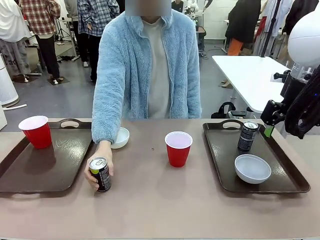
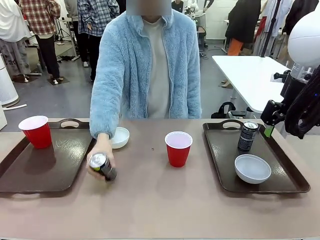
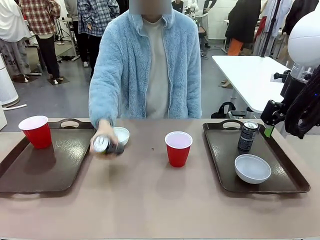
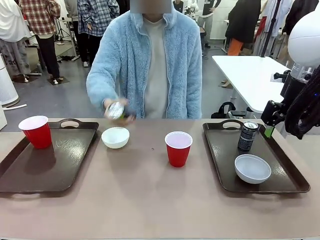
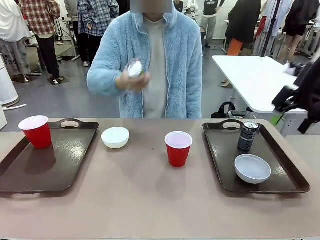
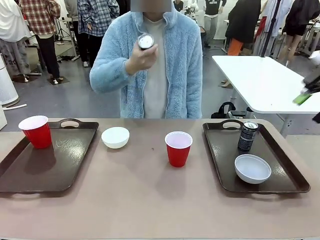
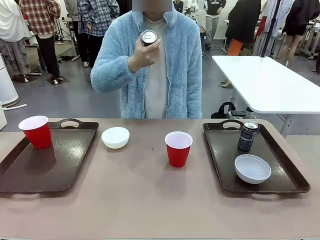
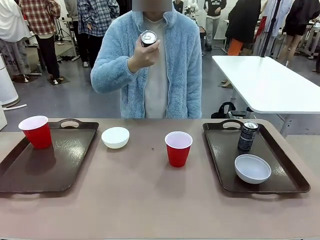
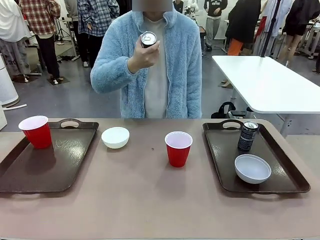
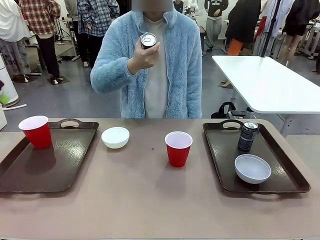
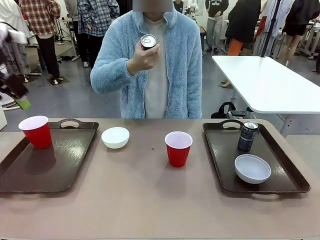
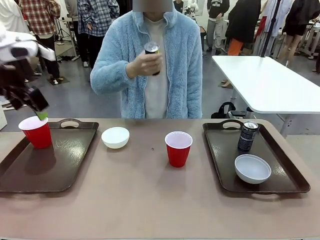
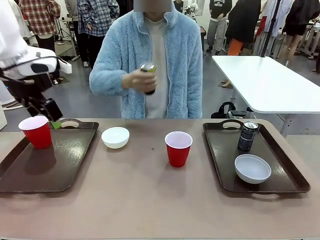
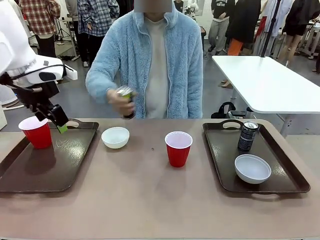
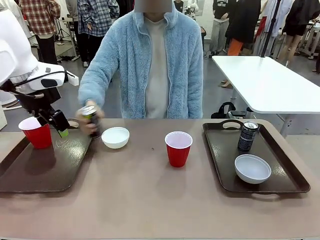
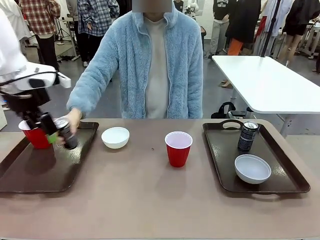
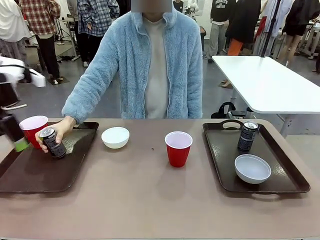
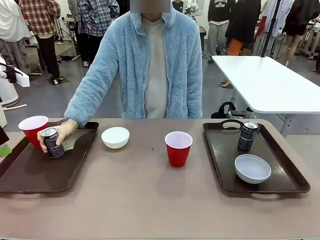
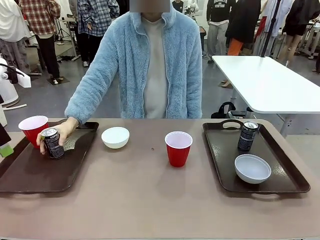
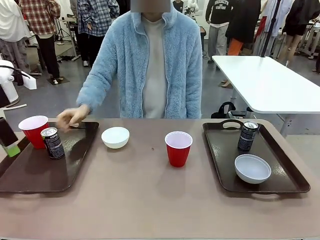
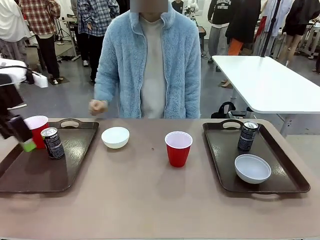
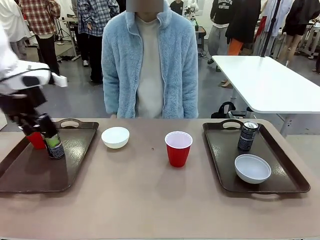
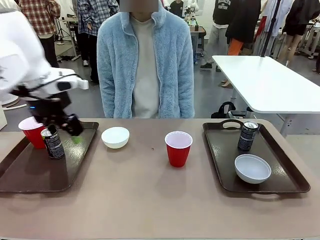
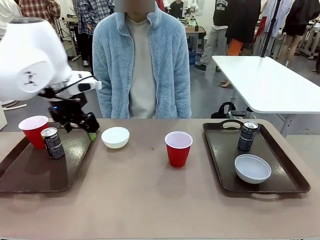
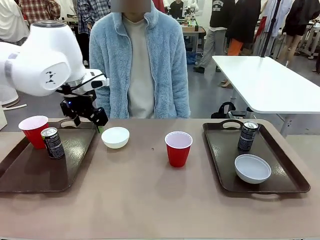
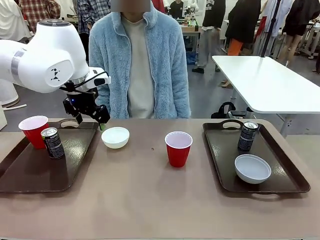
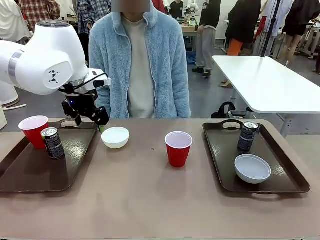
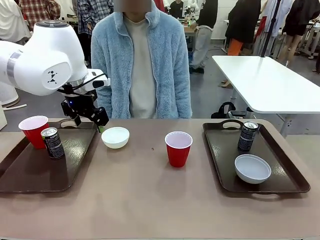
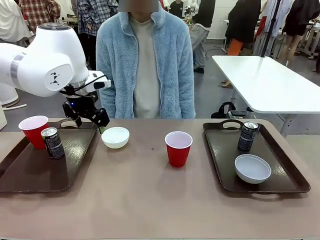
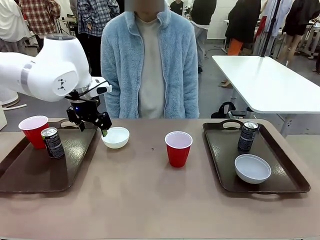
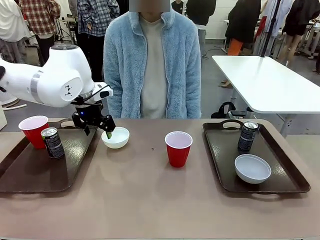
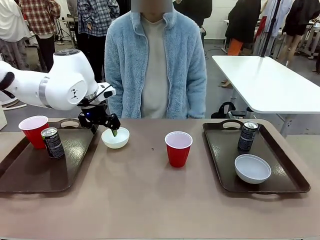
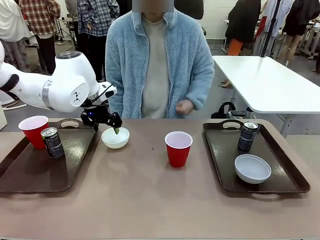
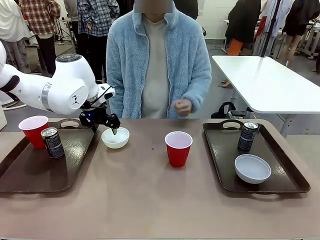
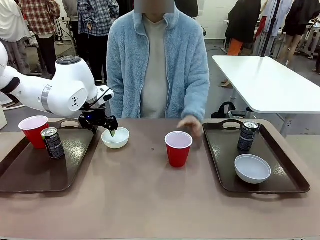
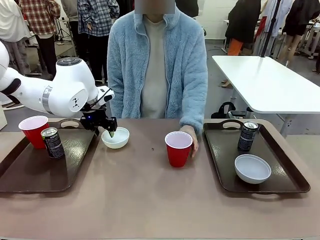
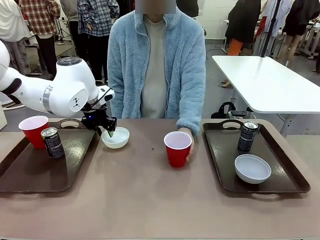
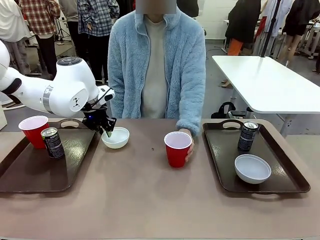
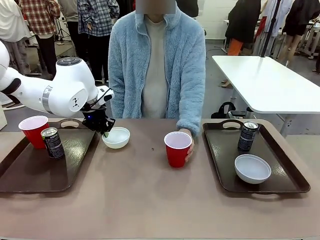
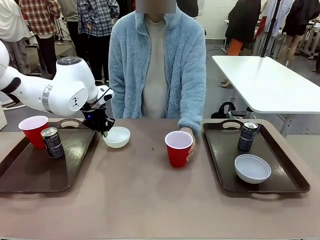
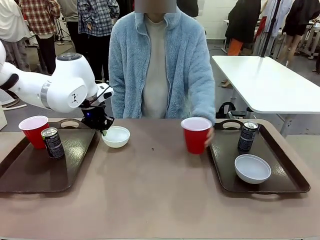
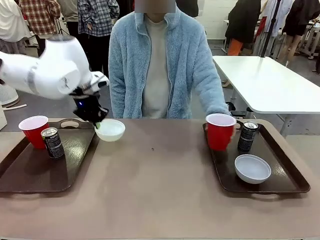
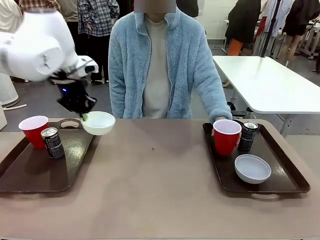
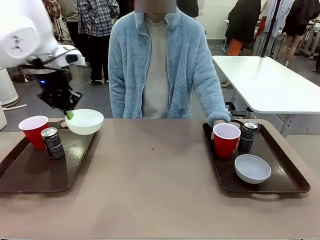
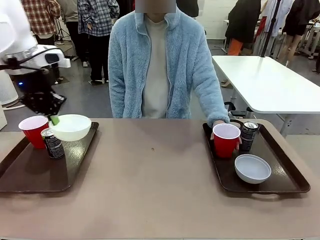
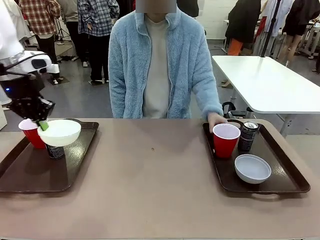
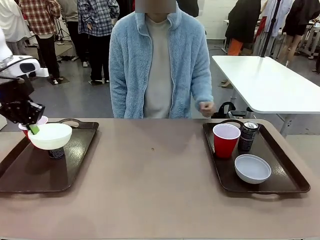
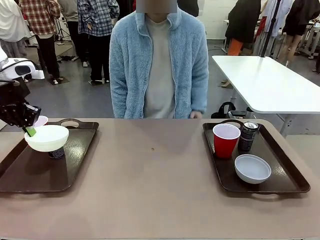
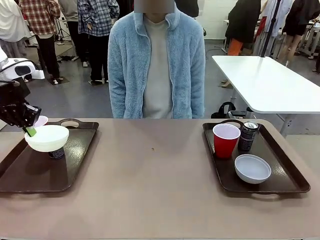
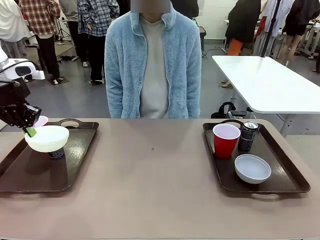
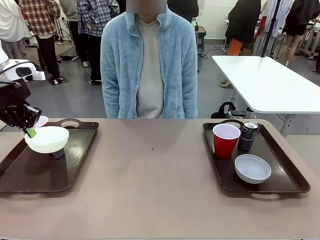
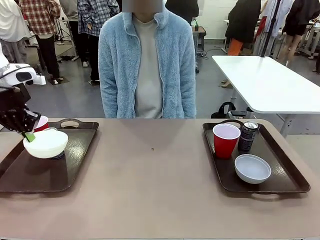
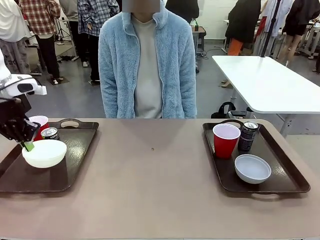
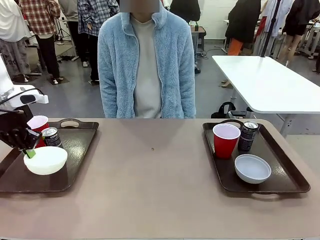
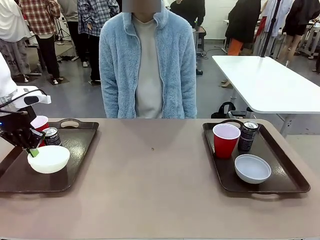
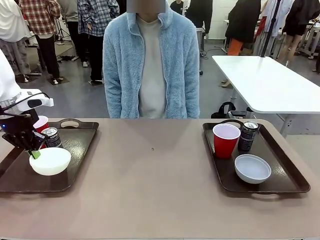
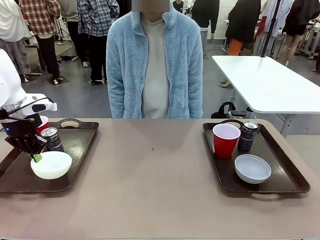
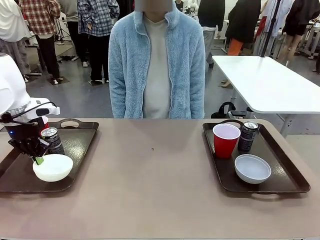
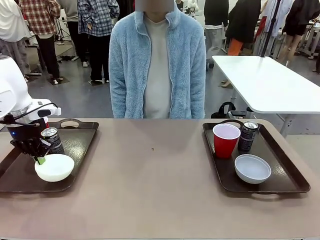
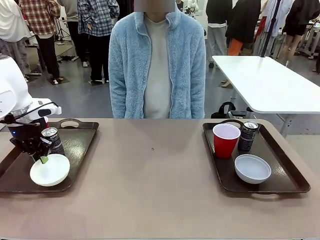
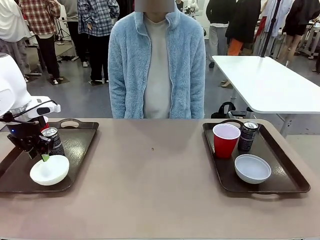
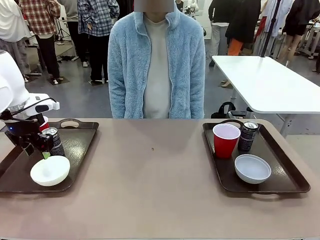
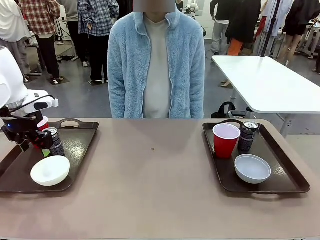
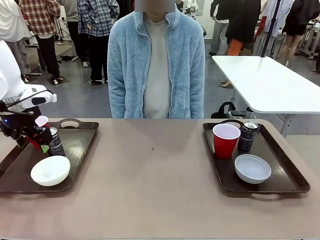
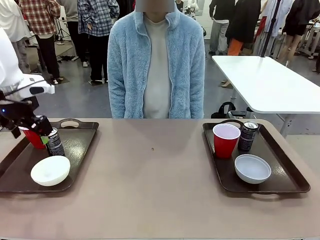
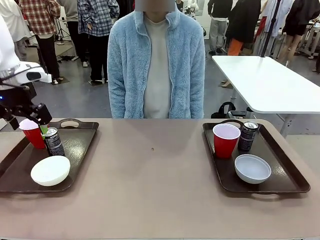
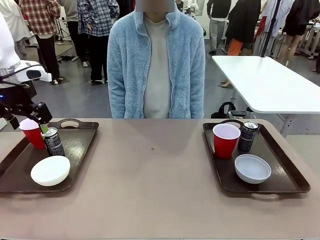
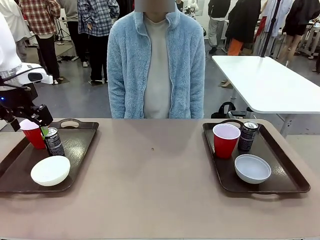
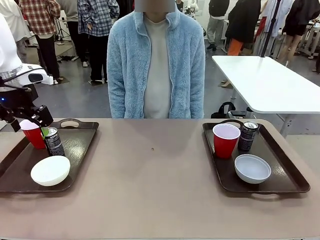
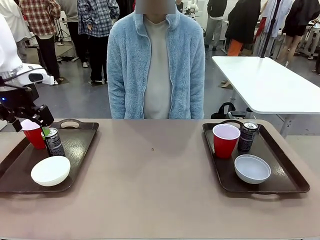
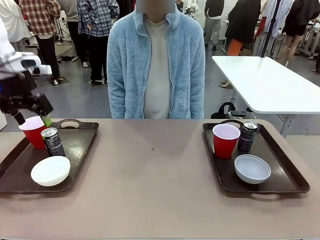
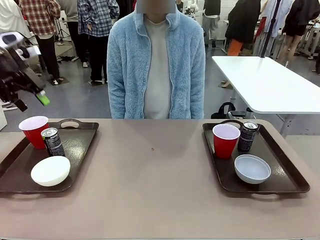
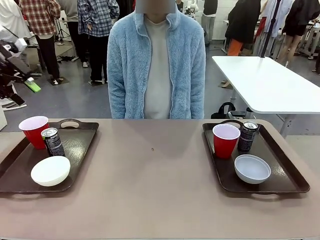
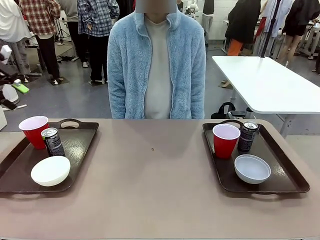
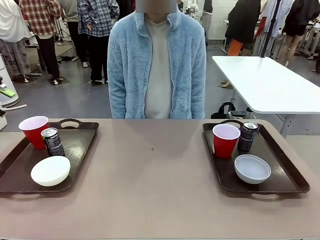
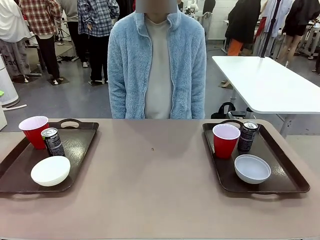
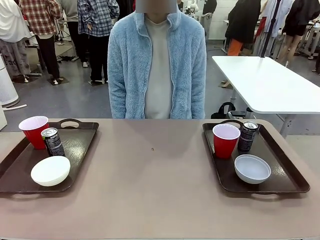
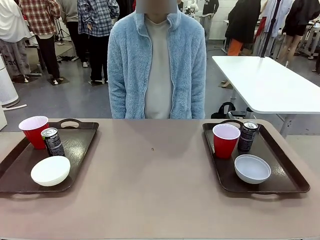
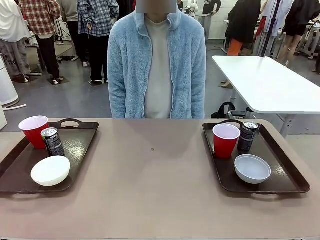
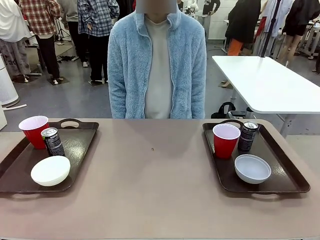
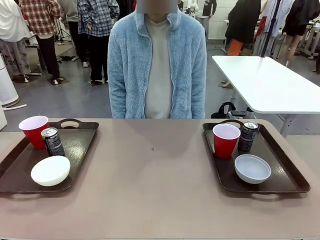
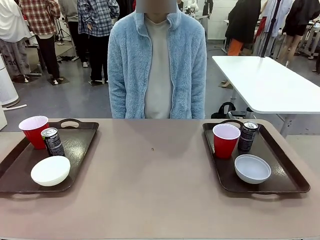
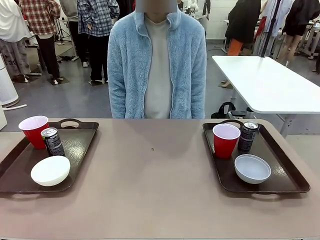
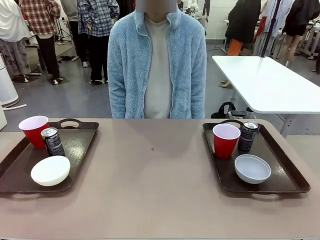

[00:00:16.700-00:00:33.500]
Task: Prepare tableware on both trays.
Robot: Pick up a Picnic Bowl from the table and place it on a Handle tray.
Person: Pick up a can or cup and place it on the tray without a can or cup.
